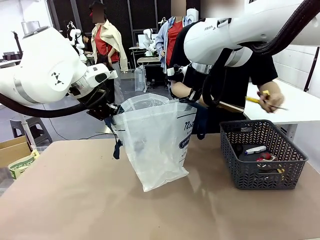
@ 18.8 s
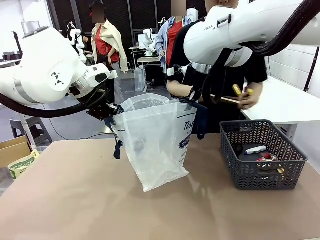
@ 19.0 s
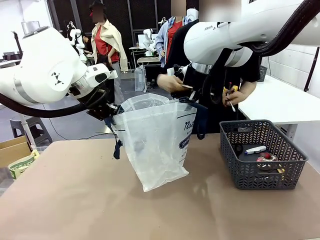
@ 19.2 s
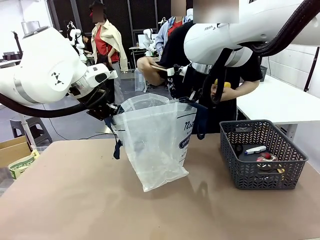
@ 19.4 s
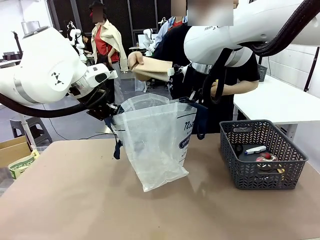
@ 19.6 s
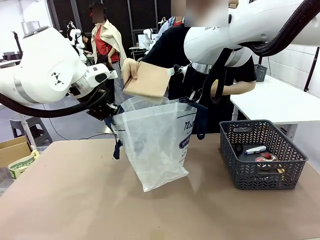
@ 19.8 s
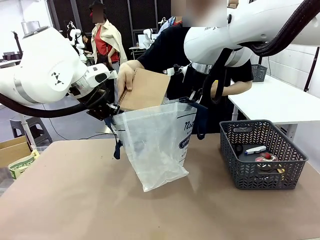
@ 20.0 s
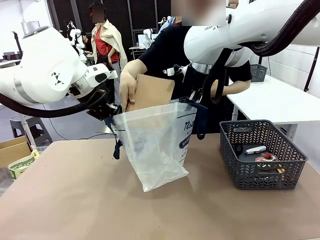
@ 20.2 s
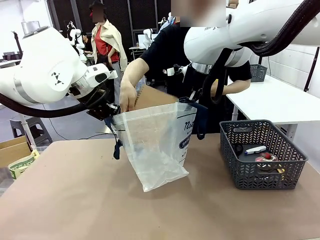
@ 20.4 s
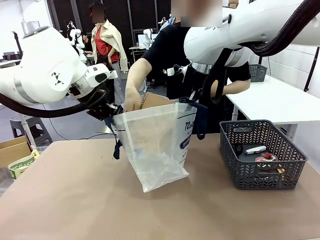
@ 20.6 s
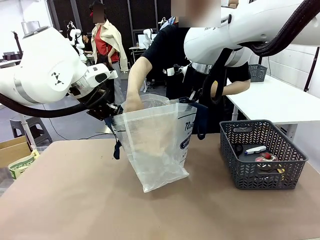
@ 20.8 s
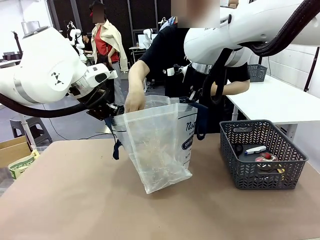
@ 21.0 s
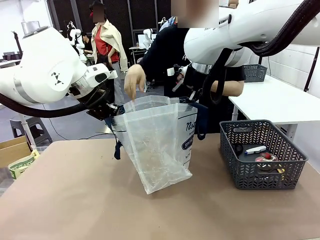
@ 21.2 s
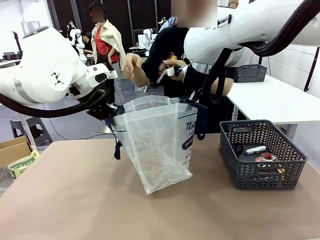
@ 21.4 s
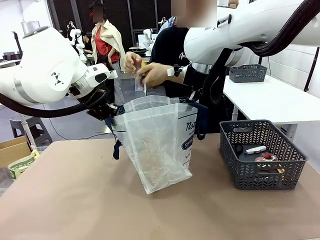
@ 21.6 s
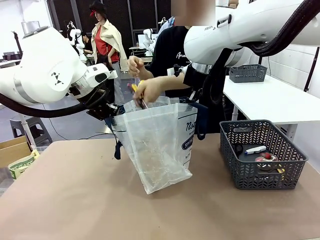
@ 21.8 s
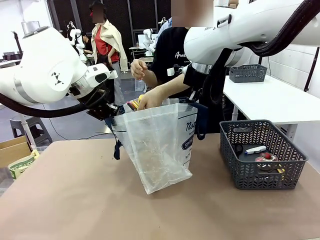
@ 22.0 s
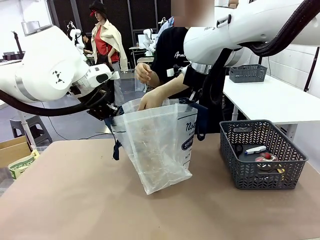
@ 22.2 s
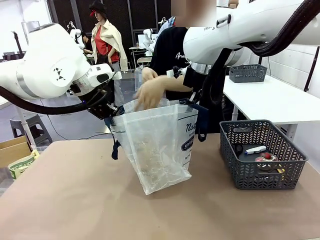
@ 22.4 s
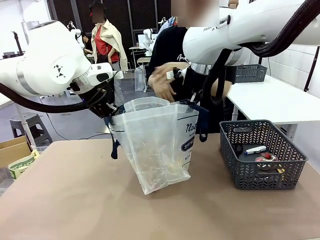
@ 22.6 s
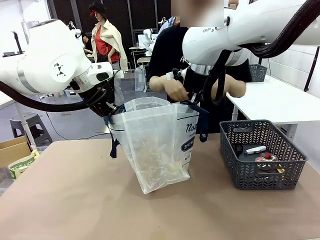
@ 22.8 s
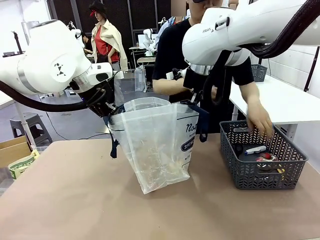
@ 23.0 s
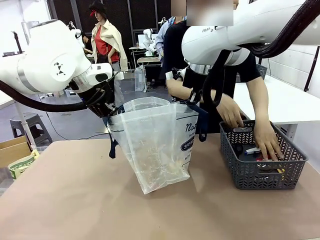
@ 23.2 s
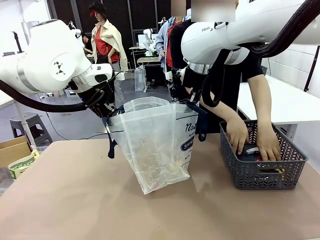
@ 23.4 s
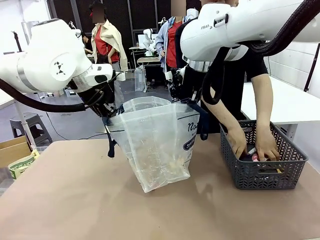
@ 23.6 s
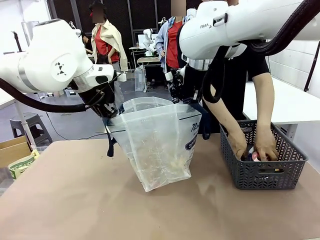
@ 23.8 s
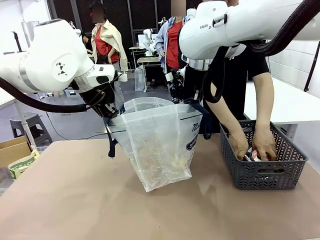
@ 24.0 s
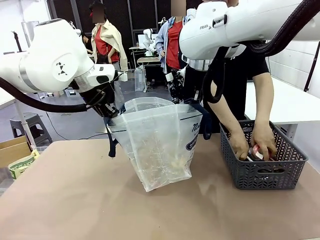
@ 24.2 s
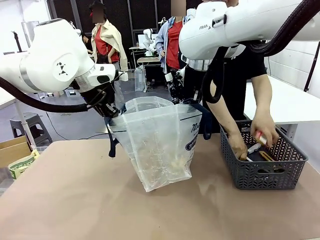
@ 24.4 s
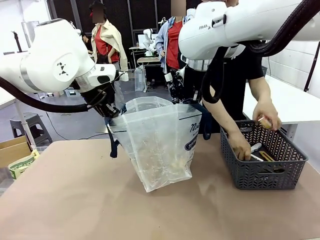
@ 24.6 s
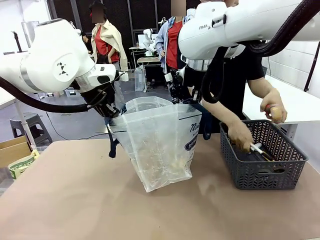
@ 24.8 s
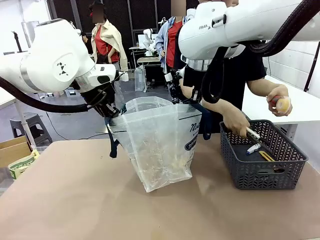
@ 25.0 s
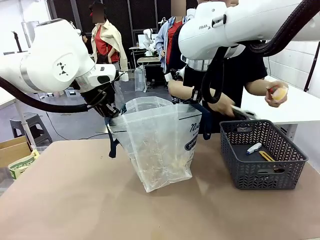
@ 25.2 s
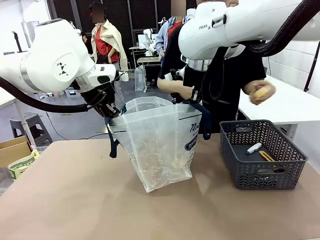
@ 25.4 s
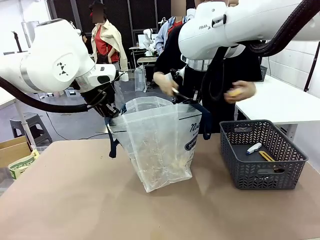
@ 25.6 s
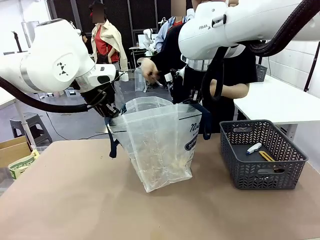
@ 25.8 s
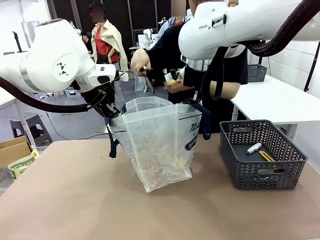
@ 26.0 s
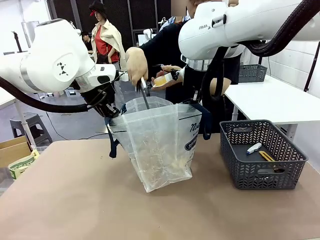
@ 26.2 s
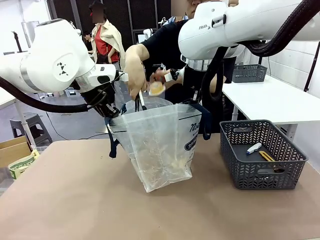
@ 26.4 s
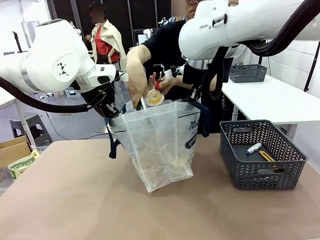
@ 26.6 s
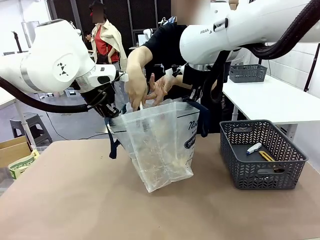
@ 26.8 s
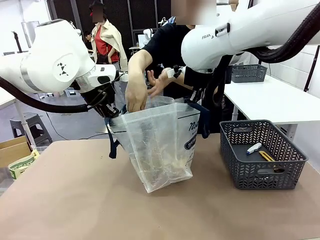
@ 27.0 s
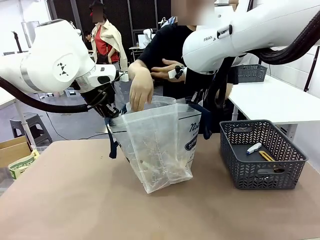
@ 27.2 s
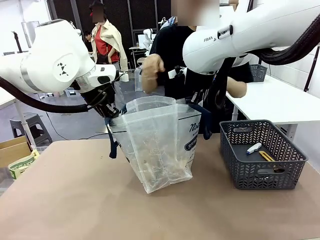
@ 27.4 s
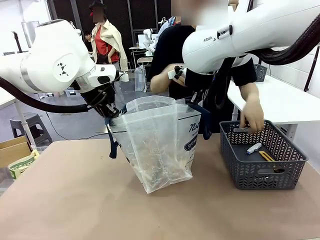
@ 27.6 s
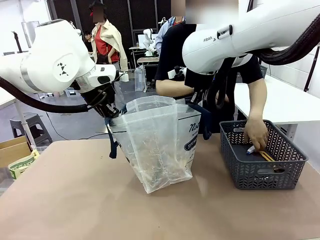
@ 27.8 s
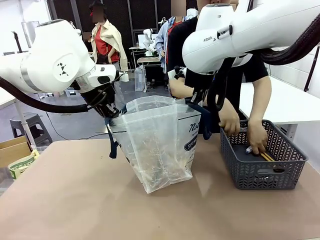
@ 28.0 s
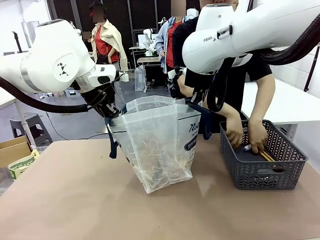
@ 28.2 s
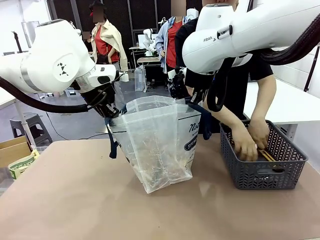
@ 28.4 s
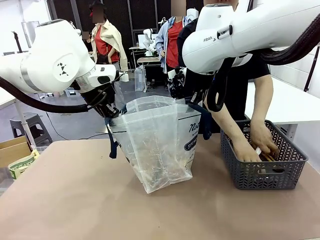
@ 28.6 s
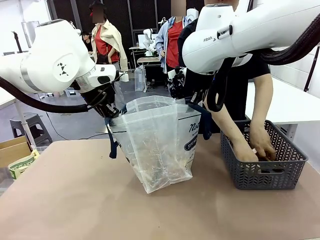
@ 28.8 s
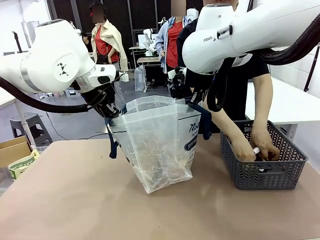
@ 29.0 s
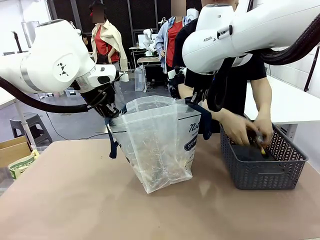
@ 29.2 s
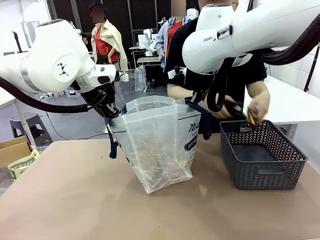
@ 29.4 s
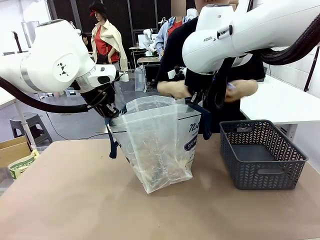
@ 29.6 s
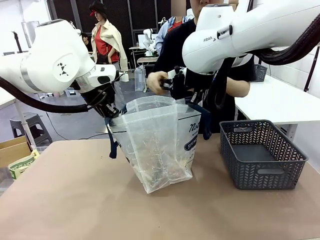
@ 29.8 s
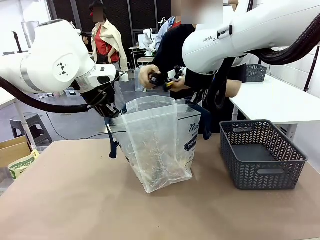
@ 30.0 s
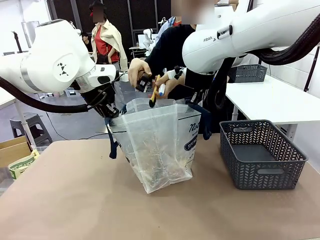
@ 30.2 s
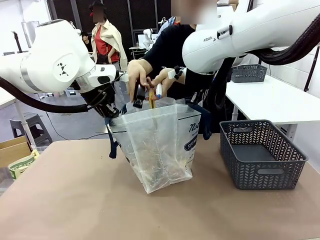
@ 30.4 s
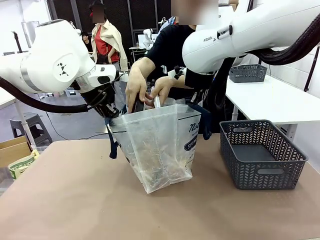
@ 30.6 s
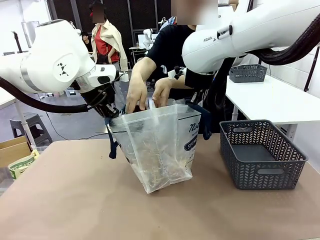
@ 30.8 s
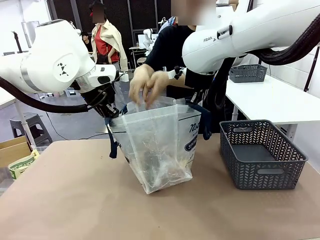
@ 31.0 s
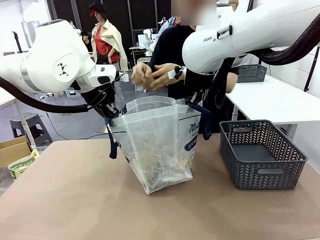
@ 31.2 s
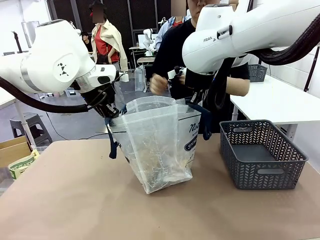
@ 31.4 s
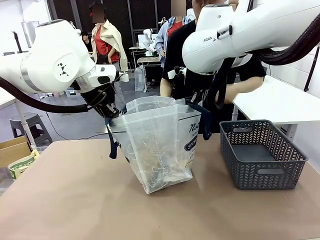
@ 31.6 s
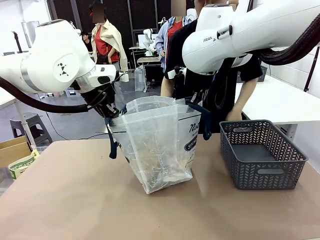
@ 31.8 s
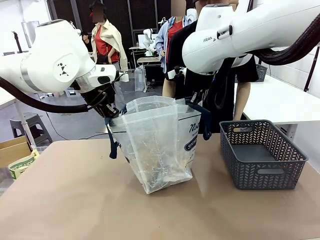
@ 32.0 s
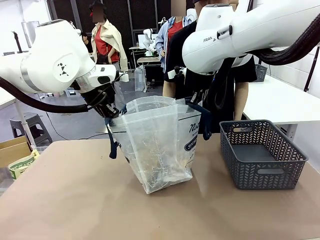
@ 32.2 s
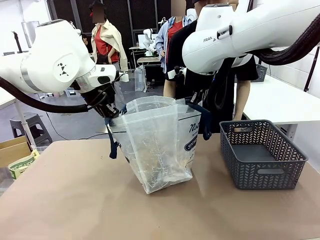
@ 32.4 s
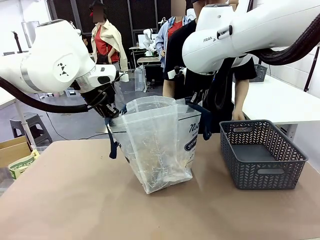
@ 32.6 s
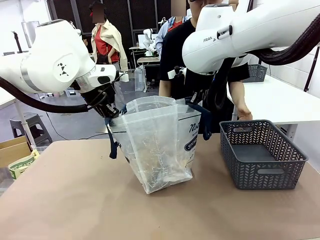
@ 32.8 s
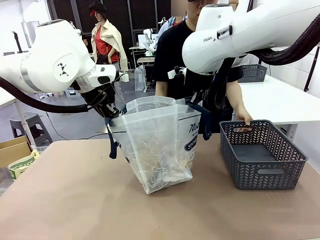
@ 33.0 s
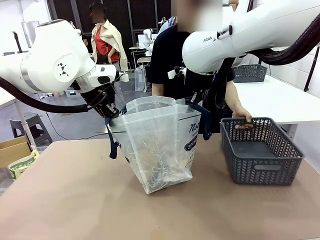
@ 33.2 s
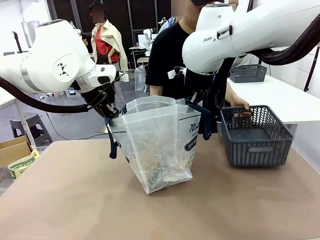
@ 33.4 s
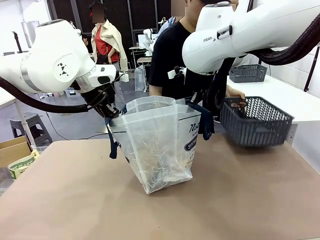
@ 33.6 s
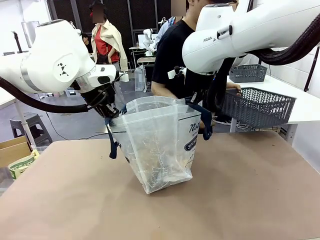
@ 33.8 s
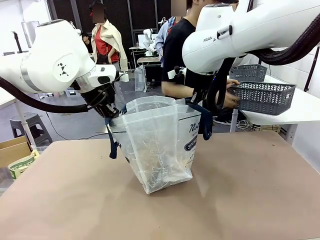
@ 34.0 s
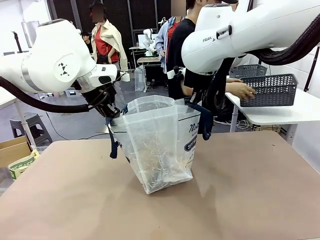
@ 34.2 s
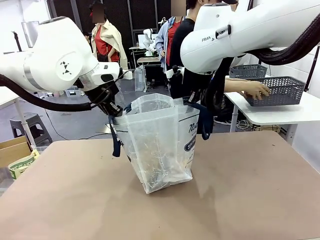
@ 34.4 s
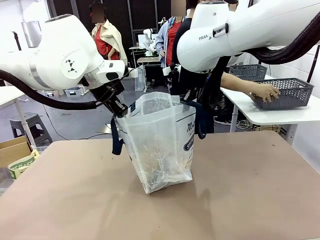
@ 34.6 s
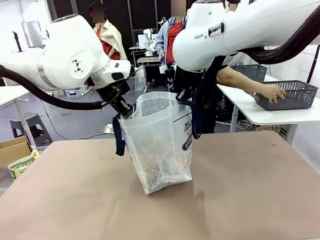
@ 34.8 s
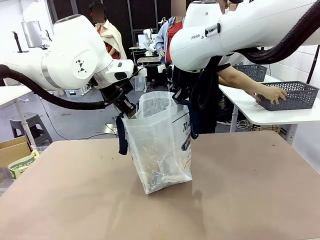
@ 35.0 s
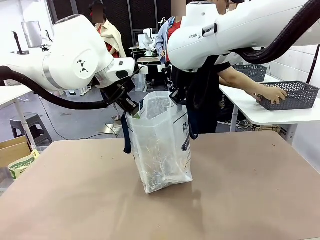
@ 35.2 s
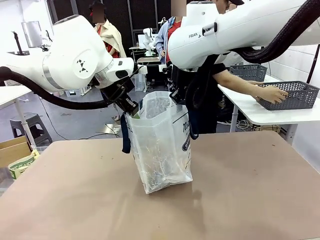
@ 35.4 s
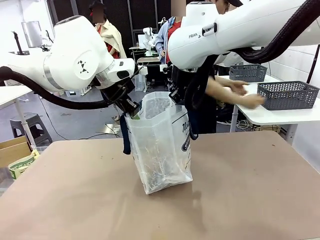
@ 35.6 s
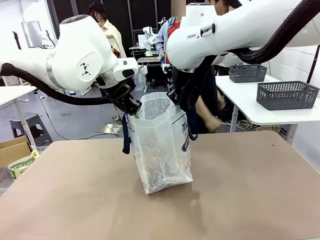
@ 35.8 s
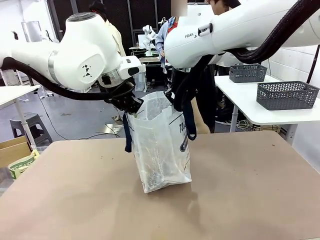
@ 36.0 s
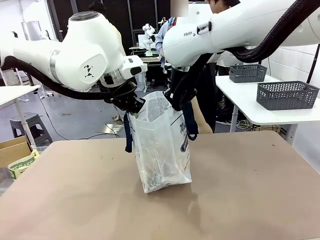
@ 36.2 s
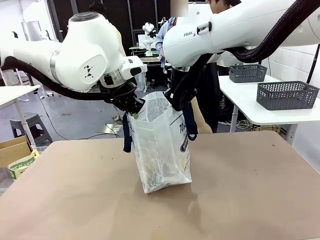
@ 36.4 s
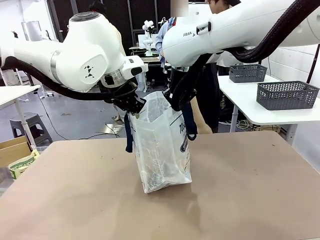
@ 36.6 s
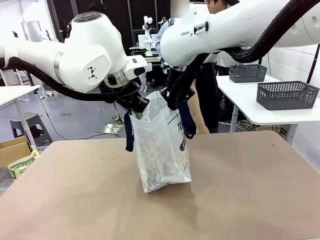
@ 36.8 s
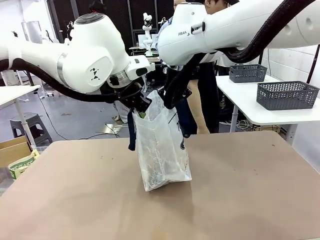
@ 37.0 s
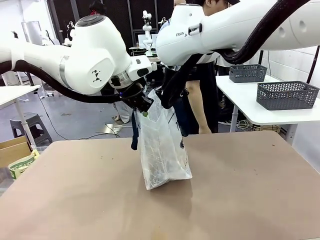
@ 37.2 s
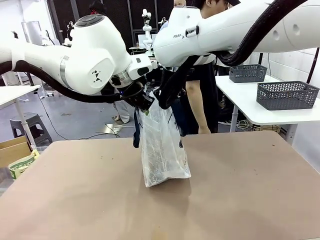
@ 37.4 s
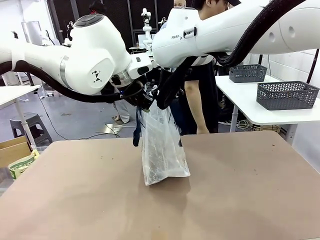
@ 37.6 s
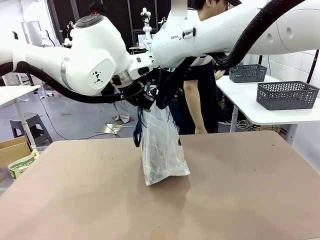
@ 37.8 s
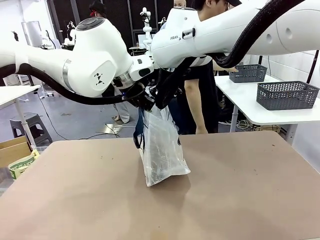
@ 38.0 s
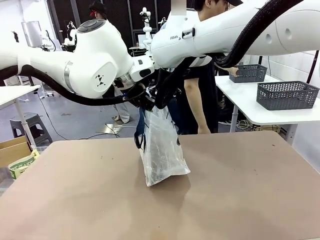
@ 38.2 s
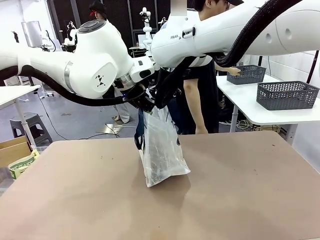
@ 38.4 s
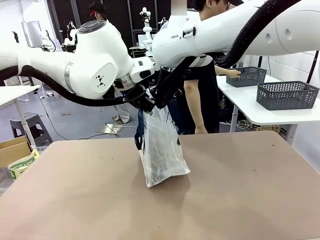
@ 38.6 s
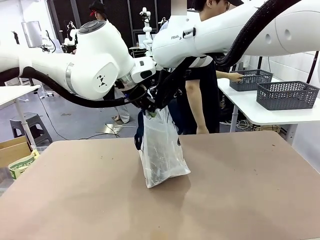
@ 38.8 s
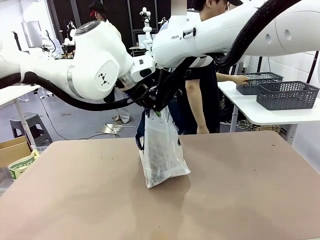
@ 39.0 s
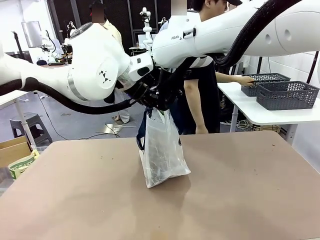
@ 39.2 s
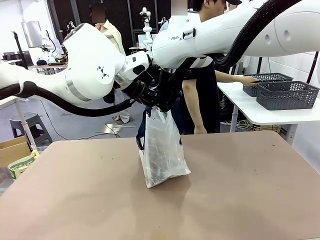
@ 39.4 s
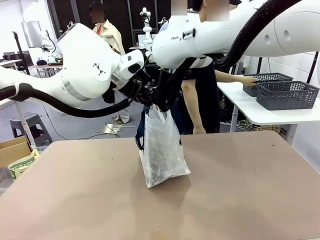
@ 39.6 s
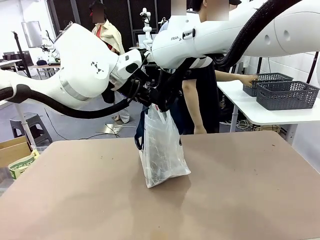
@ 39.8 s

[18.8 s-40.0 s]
Task: Transfer purchased items from the store into the shopping bag.
Robot: Move the Reusable shopping bag to the right side of the table.
Person: Pick up the basket on the right, place it on the left side of the robot table, and move the items in the basket to the shopping bag. Pick up the basket with the items out and place it on the right side of the human table.
